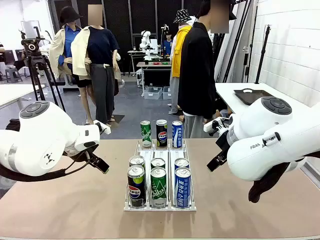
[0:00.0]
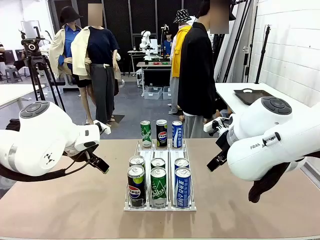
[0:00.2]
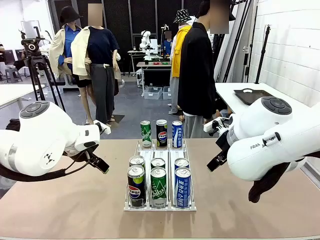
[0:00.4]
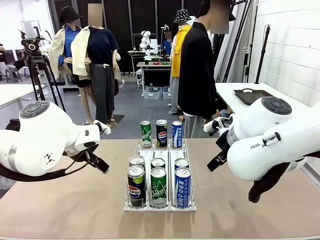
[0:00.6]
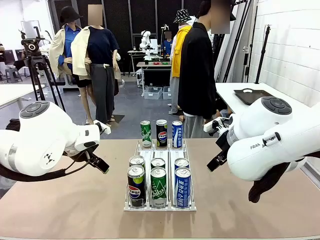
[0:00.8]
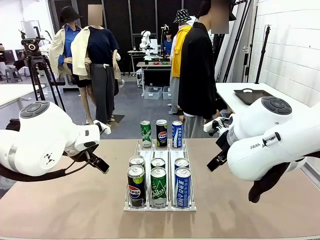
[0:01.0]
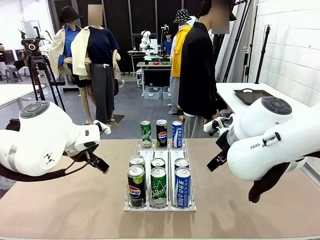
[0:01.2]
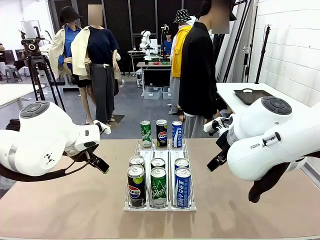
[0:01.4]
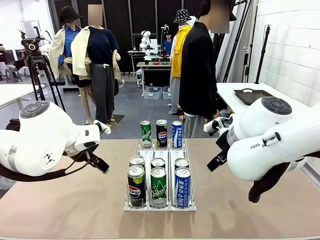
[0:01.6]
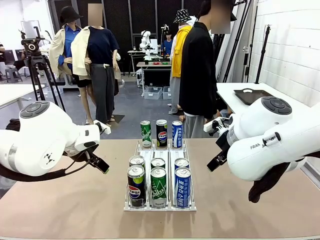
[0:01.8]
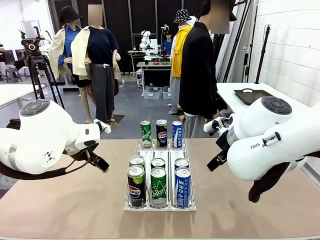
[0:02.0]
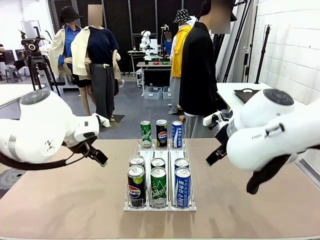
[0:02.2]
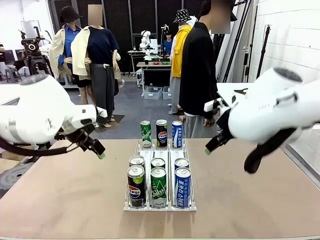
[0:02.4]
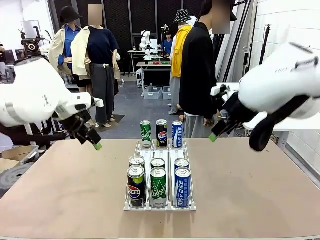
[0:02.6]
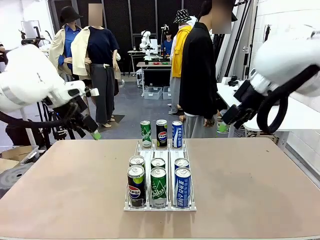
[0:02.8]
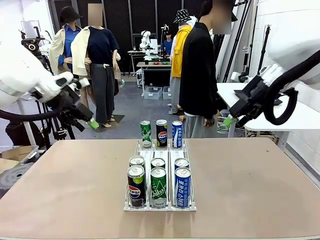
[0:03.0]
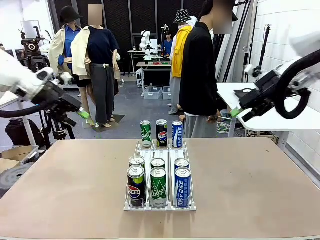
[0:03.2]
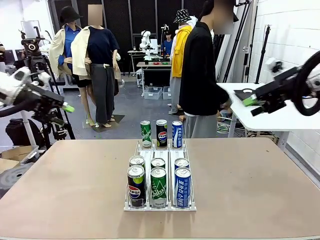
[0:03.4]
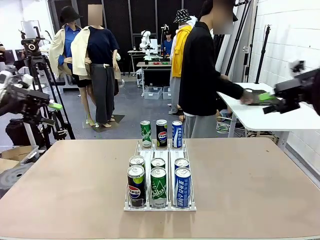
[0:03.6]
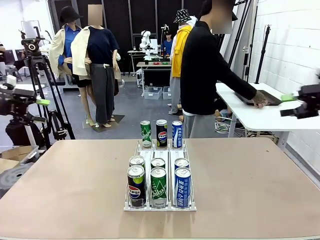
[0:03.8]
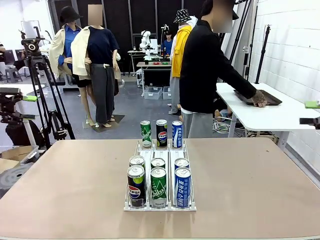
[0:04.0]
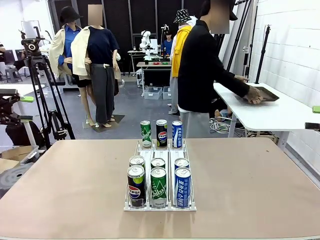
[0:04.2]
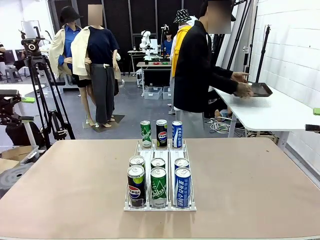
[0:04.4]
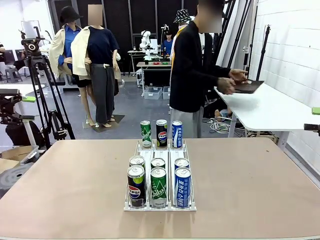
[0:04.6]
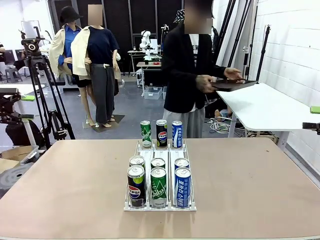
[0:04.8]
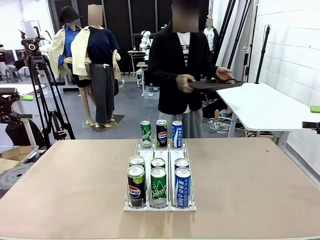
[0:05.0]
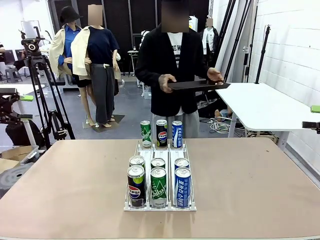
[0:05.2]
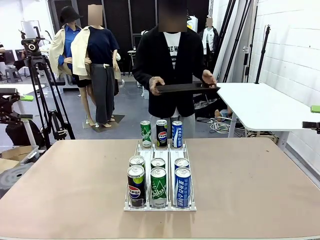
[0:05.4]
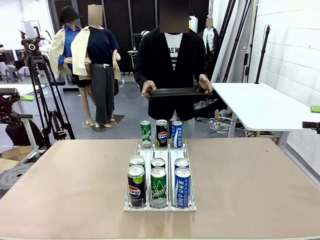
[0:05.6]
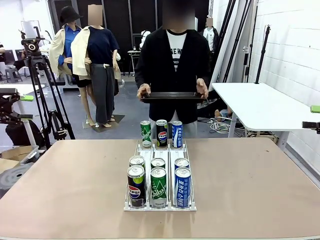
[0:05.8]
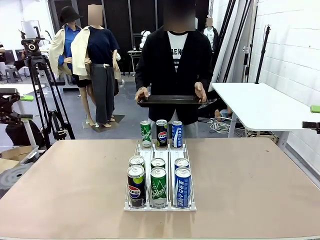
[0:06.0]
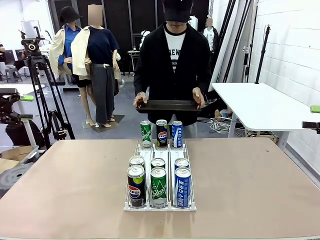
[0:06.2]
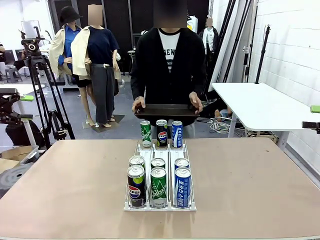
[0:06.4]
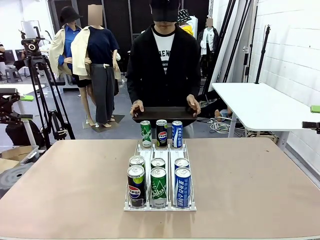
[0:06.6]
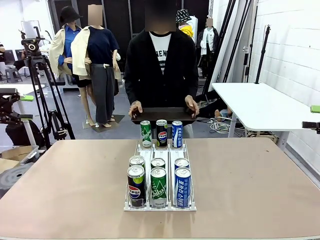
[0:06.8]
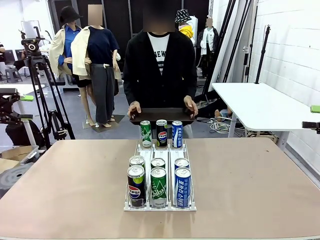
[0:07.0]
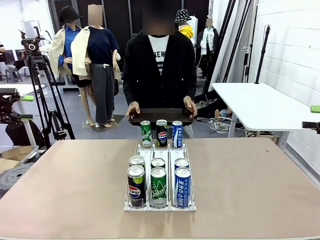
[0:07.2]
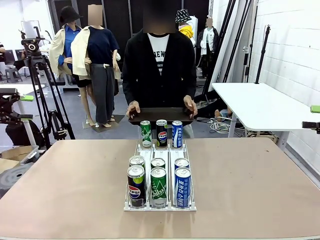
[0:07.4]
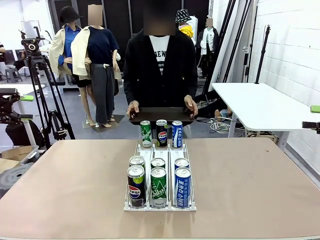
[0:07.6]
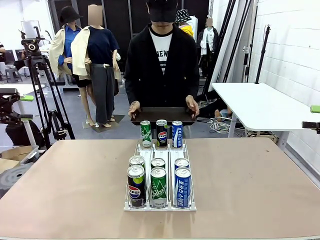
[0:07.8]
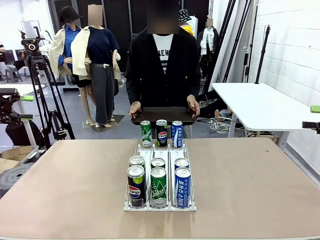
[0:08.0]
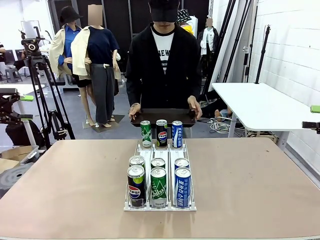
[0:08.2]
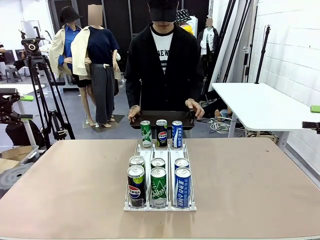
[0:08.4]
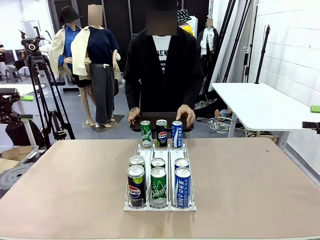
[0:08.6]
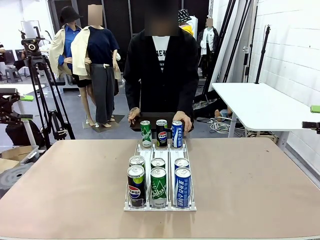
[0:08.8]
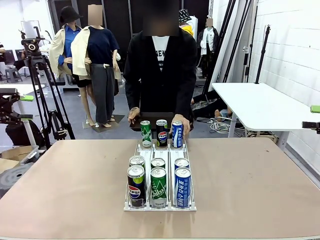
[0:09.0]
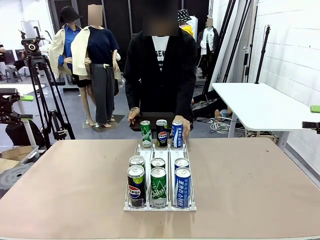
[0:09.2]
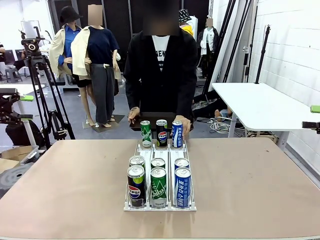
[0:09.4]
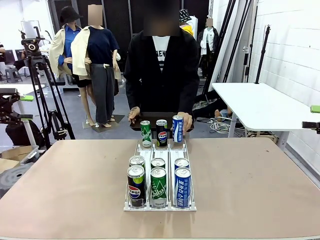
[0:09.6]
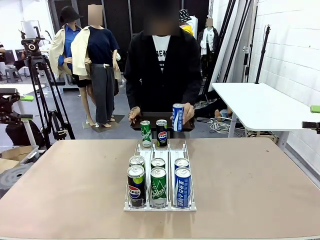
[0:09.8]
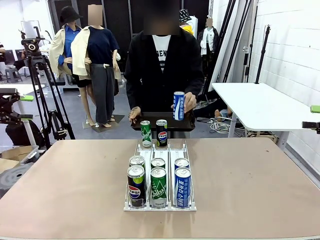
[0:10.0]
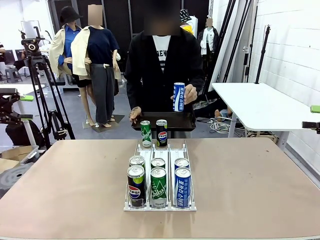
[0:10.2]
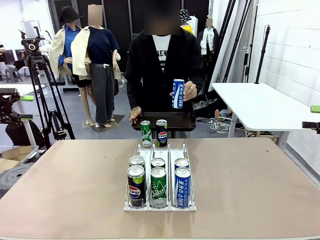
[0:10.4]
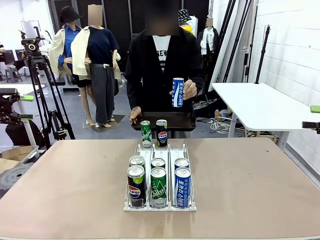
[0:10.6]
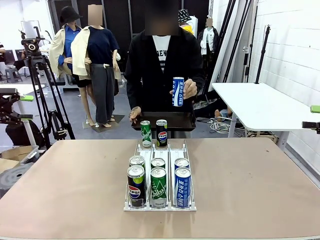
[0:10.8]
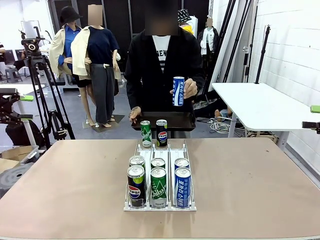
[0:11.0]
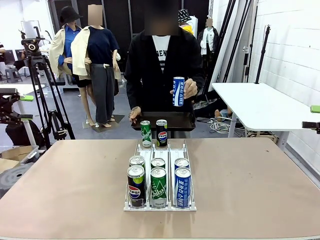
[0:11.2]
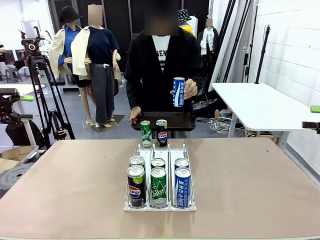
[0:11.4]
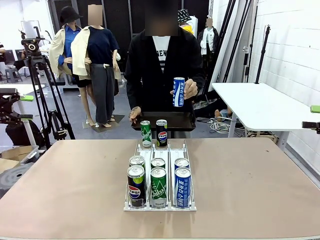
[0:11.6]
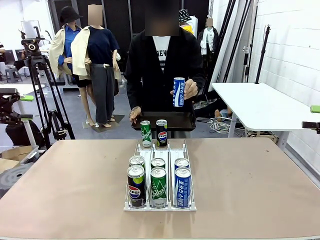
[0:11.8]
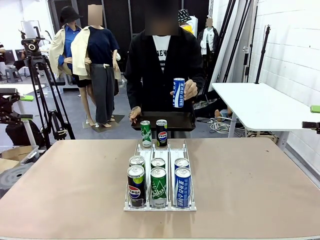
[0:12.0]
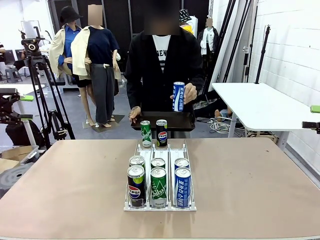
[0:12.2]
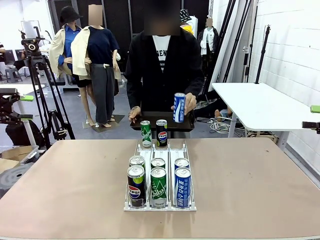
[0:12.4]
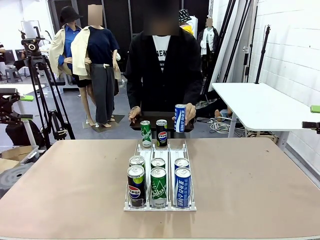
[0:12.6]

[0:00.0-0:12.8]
Task: Retrieve and hand over the desired beverage to the person.
Robot: Pick up a can of the same type that the person held from the Automatic Can Dispenser.
Person: Hold the tray and position yourself in front of the robot table. Pick up one can from the bottom area of the table and puts it back in its original place.
